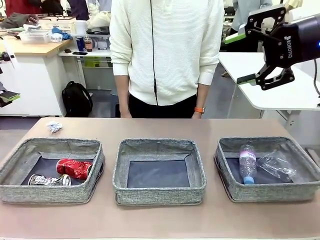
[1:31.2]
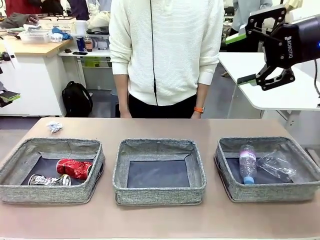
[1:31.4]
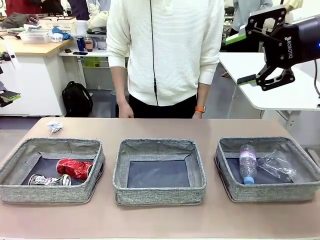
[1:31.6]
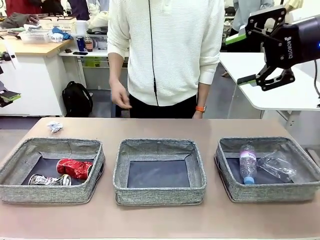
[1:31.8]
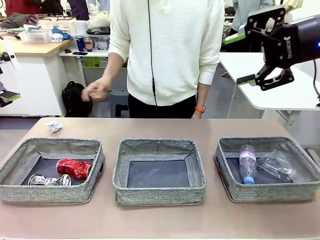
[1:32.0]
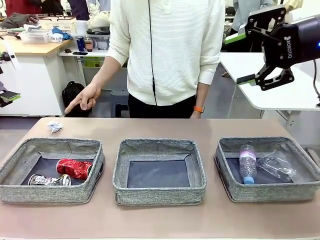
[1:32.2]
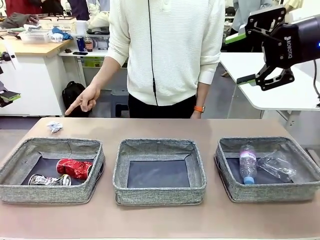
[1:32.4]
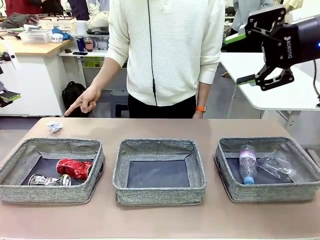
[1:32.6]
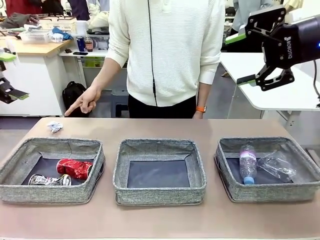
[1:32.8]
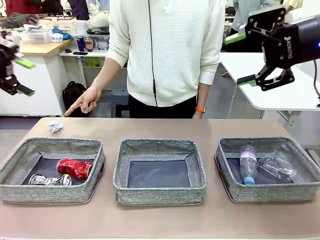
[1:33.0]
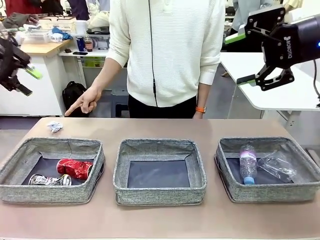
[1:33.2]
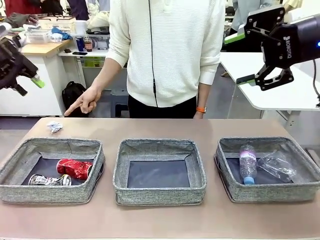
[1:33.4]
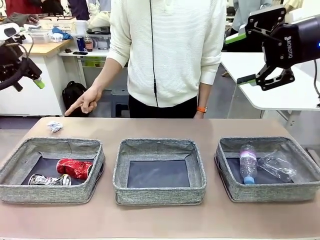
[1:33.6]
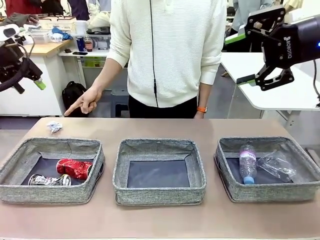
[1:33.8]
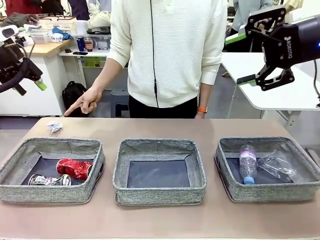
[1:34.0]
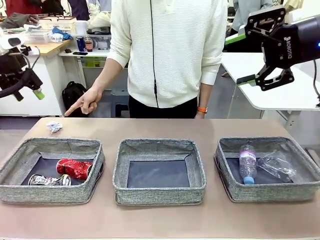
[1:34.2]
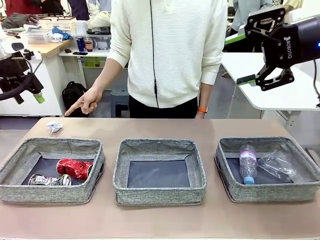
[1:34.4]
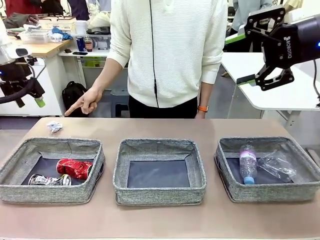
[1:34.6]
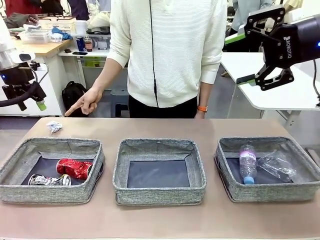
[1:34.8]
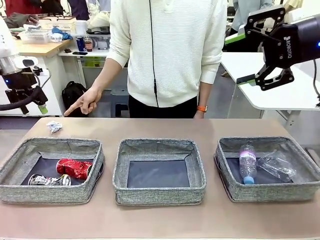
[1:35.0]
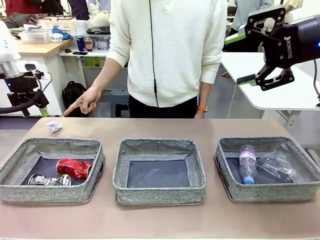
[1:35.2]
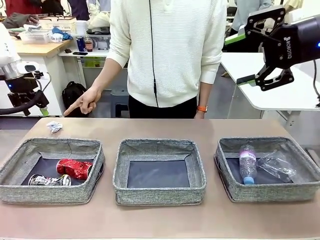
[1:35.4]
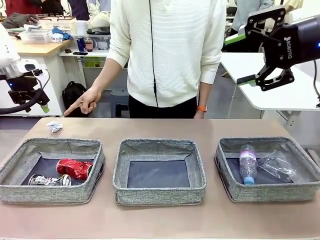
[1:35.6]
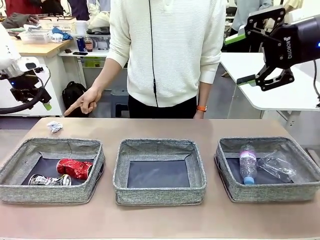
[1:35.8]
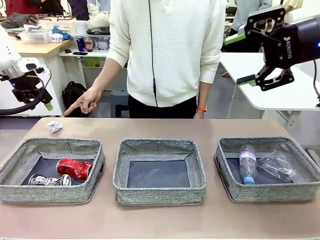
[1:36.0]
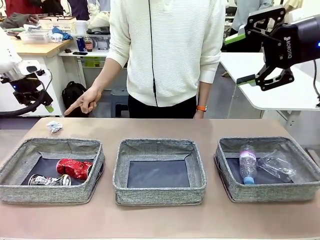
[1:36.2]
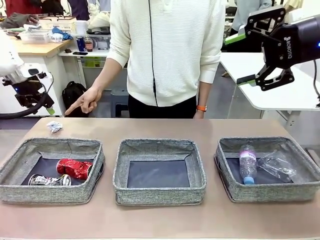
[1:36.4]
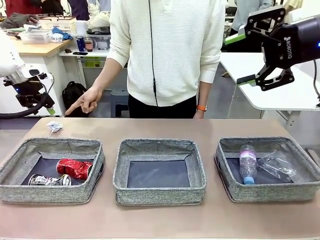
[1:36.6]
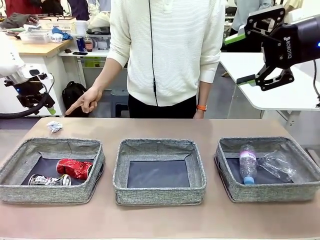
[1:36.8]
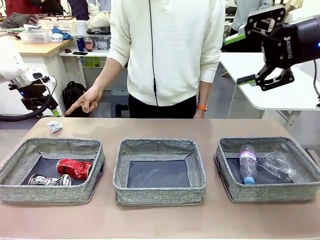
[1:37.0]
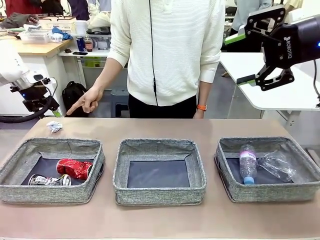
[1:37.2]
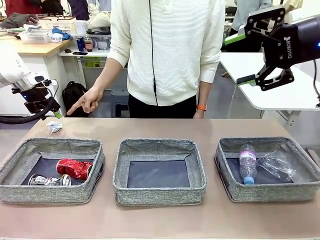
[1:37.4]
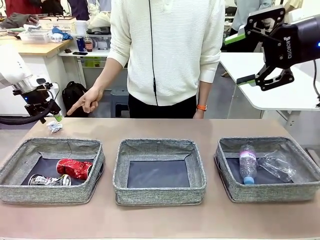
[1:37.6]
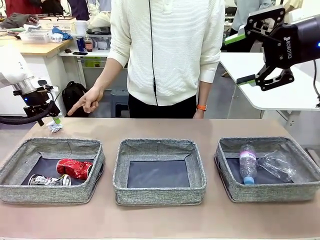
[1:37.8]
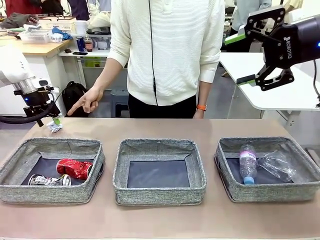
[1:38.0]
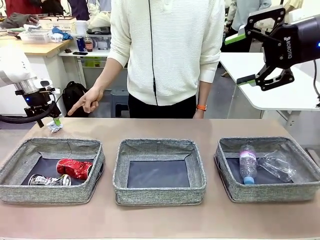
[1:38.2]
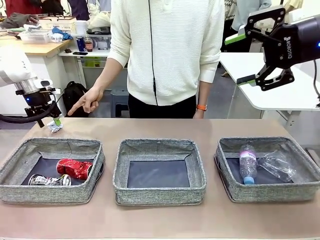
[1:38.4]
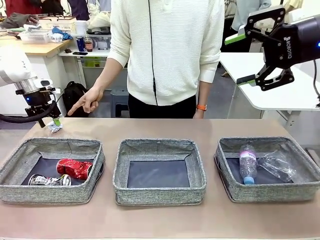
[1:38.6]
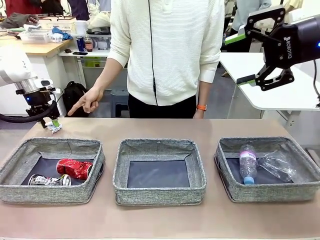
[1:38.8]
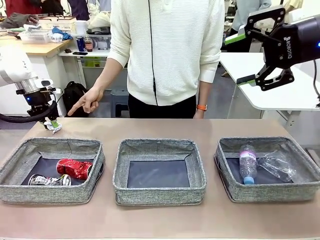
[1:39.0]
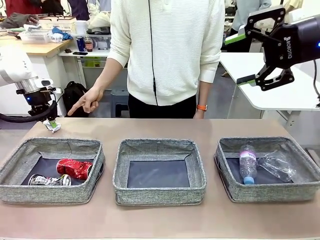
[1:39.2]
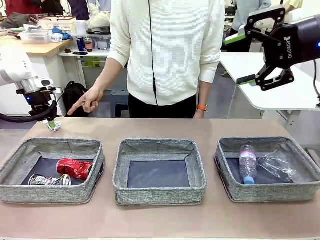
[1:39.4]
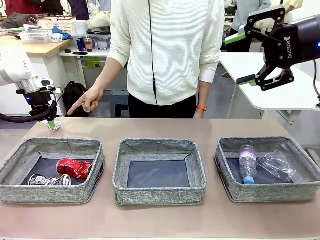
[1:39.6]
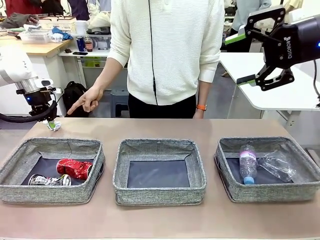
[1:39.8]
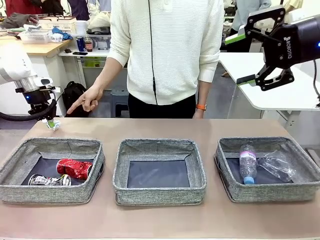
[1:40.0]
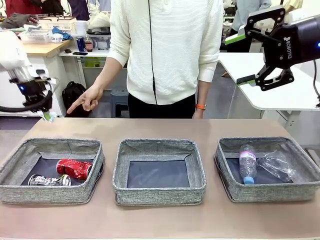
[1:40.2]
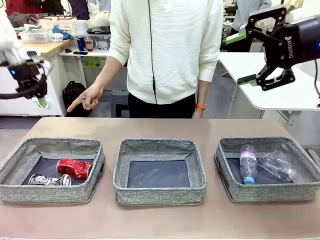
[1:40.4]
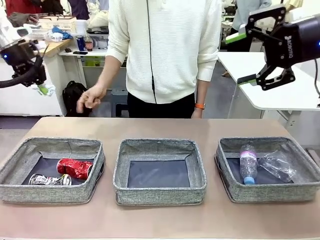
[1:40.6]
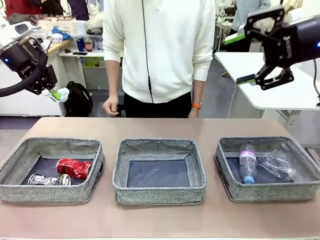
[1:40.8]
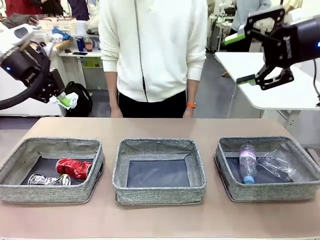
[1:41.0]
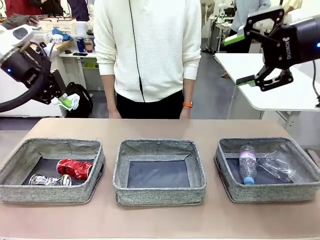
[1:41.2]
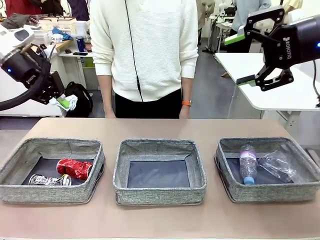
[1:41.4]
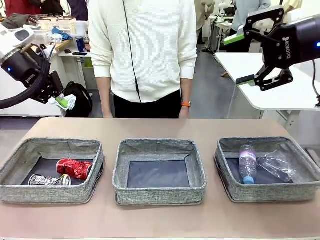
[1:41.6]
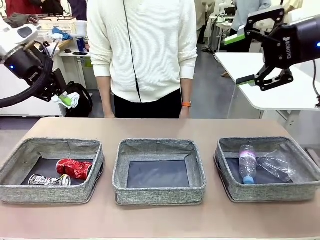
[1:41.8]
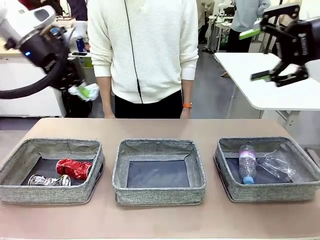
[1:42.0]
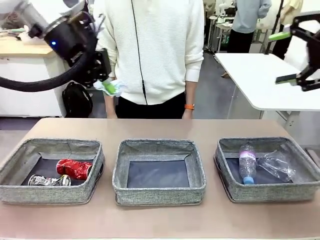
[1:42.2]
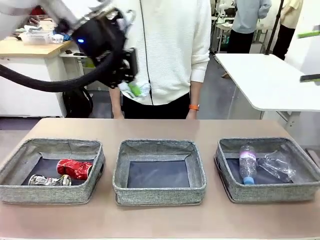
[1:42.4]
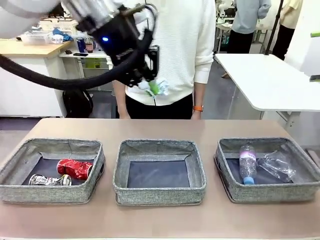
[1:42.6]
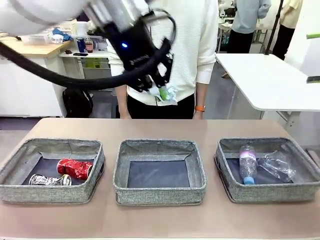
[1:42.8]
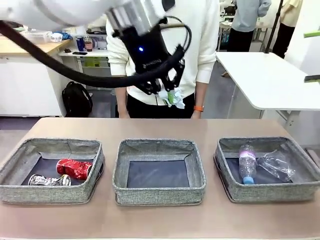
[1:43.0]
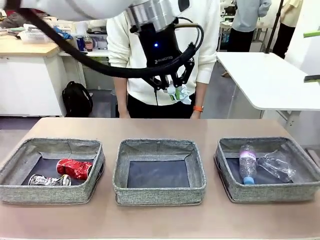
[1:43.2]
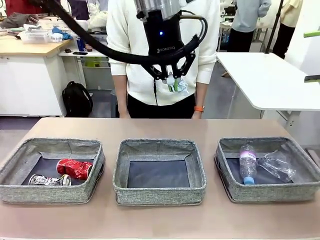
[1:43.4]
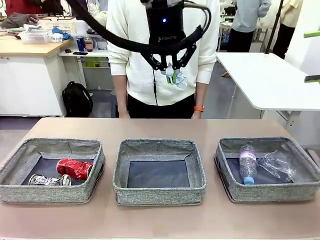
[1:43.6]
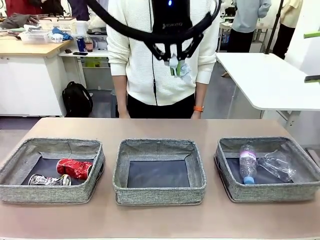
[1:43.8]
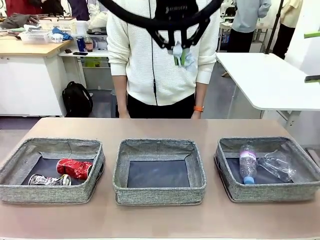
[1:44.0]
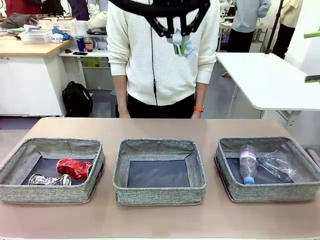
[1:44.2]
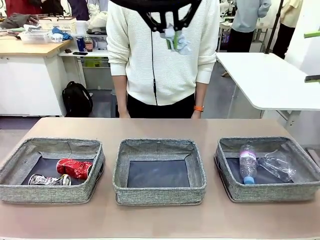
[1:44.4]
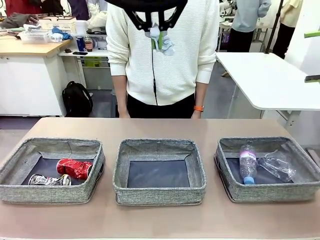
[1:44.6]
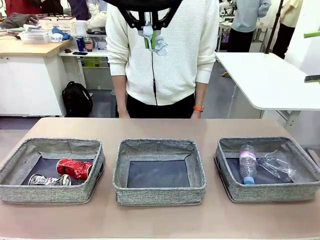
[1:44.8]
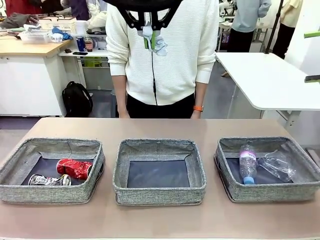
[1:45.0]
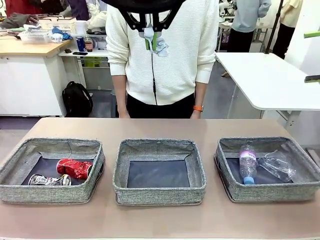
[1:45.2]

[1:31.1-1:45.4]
Task: Sort the waste into the appropriate baskets.
Robot: Pick up the waste item pointed out by the person.
Person: Points to one piece of trash on the table.

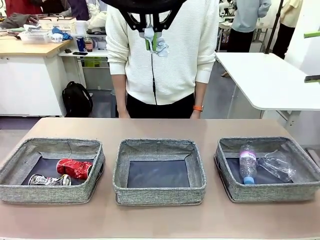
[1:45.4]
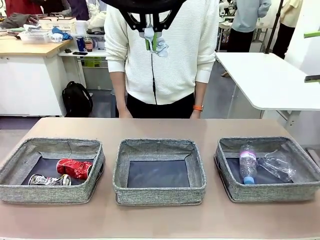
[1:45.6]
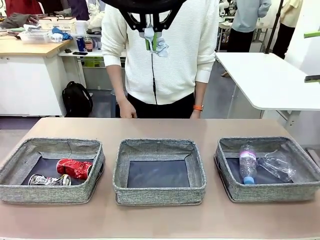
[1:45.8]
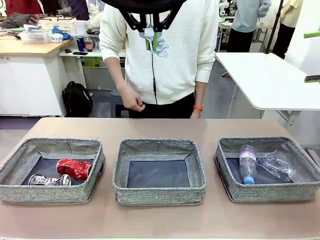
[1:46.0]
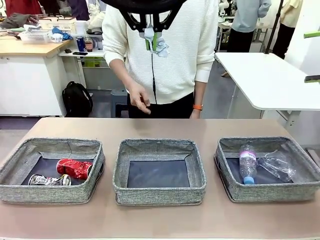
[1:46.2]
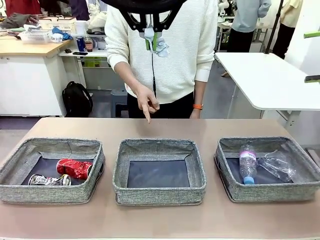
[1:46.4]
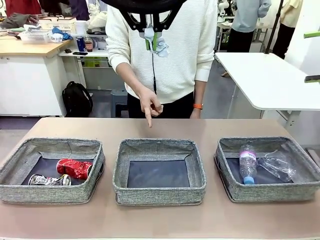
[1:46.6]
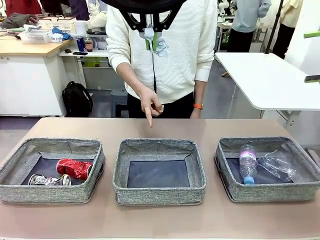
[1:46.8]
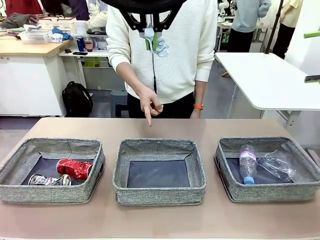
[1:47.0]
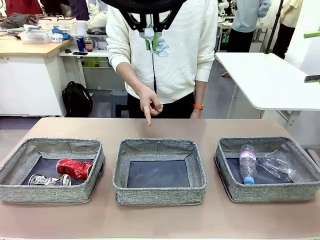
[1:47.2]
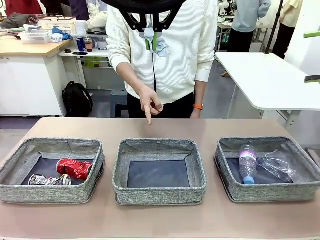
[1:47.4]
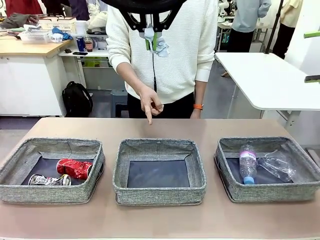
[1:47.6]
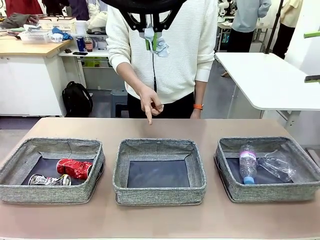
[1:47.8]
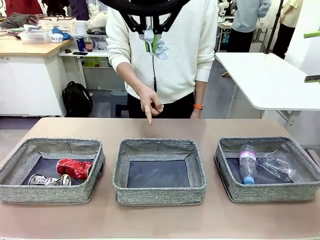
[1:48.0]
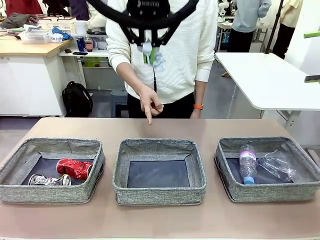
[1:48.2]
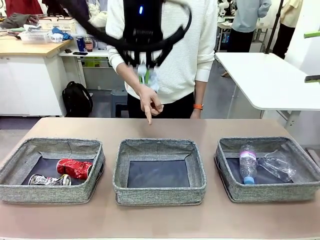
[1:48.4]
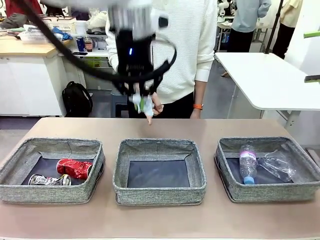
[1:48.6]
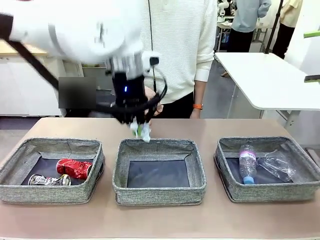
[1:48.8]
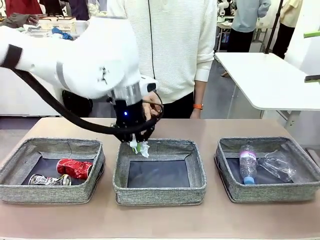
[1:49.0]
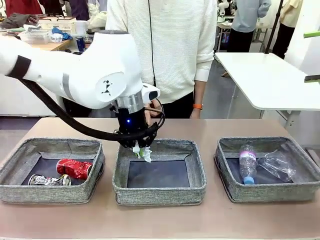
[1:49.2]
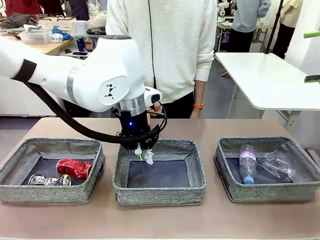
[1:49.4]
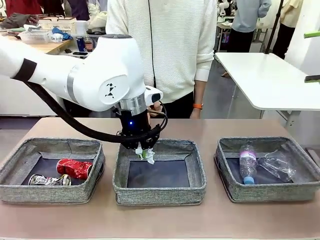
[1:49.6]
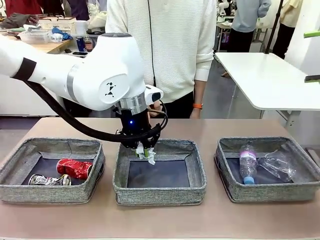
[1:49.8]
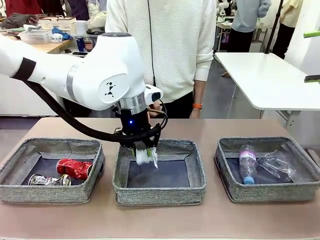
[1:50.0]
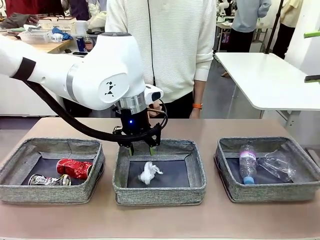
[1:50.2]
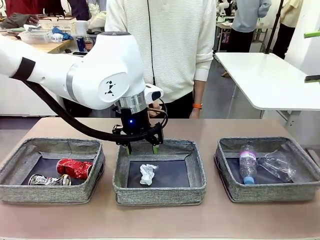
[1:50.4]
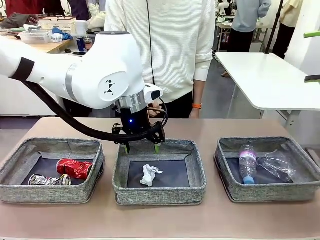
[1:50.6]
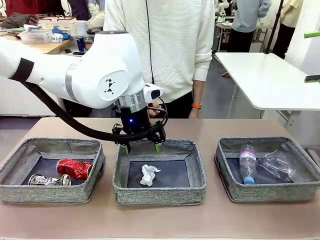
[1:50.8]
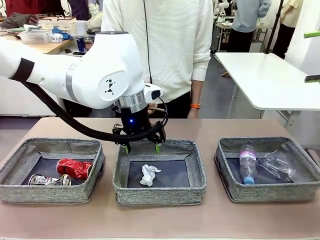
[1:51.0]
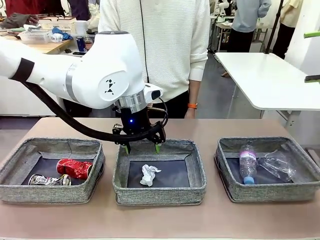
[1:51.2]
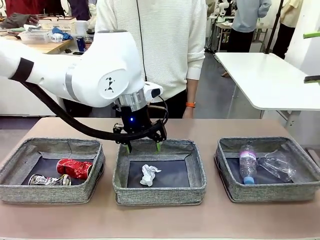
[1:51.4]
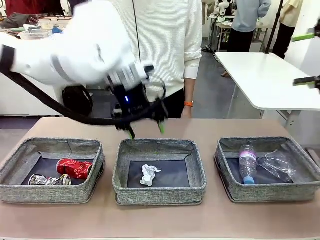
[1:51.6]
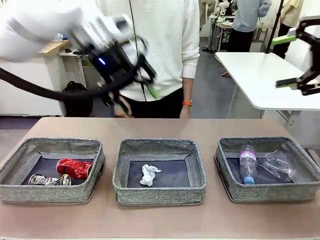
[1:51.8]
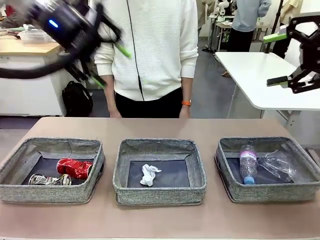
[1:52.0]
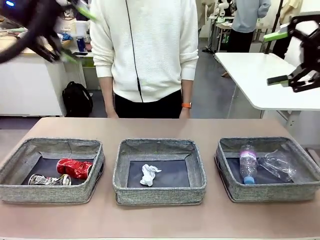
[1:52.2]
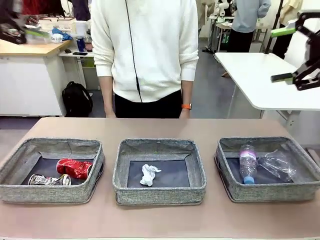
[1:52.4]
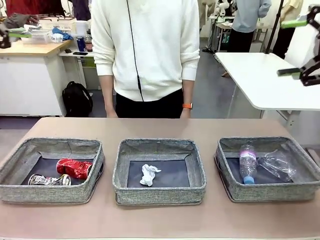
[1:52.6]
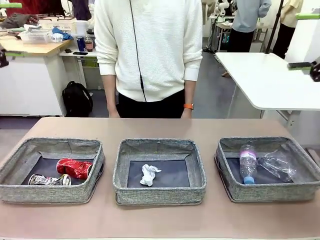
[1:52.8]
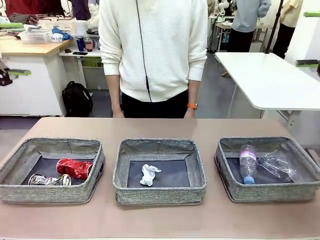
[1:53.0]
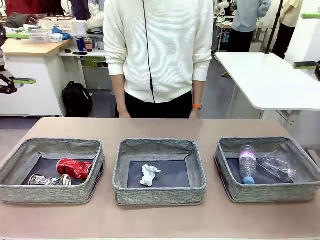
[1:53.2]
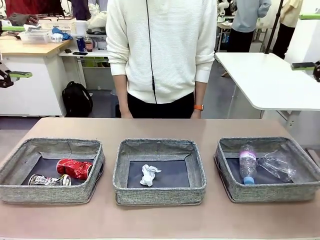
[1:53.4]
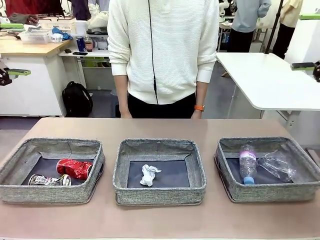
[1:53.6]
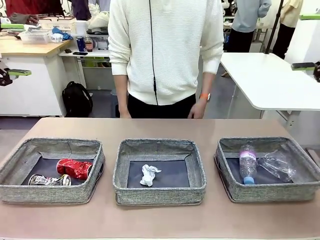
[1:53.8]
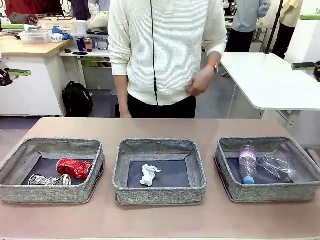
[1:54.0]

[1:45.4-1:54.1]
Robot: Place the picked waste into the Fabric basket indicated by the person.
Person: Instructs the robot to place the picked-up trash into the appropriate organizing basket.
